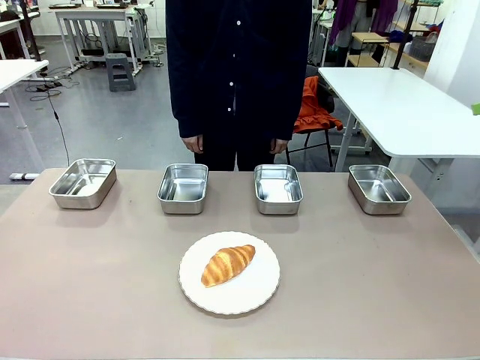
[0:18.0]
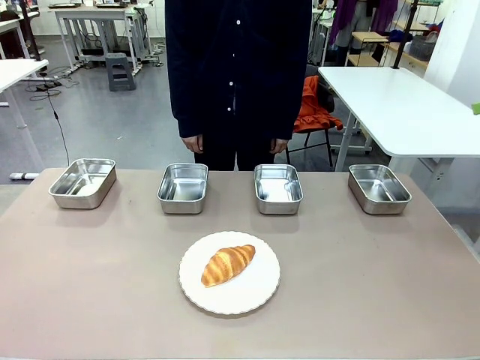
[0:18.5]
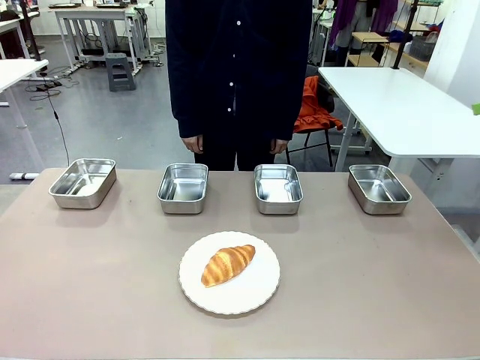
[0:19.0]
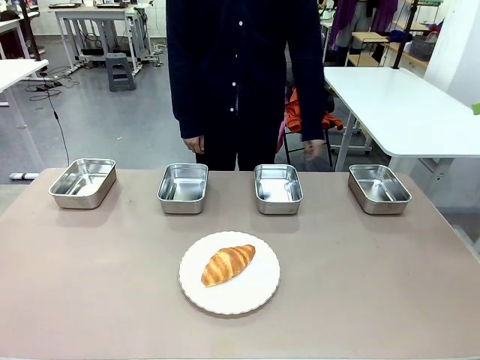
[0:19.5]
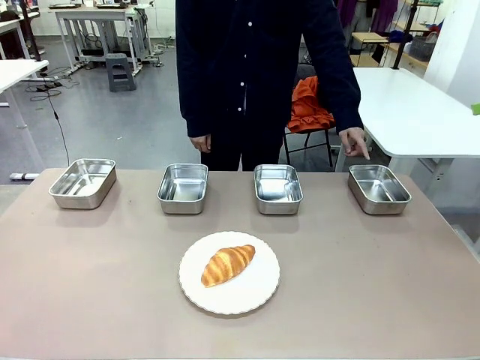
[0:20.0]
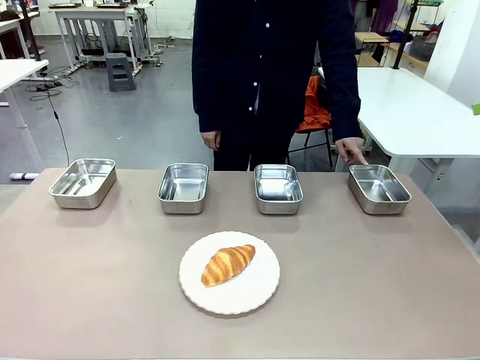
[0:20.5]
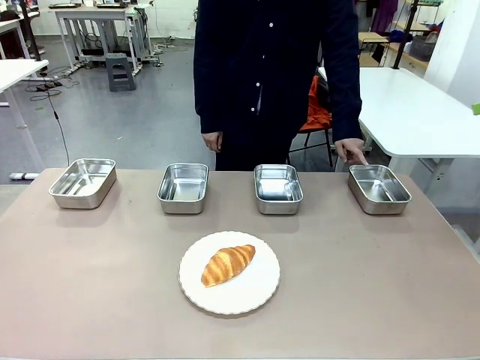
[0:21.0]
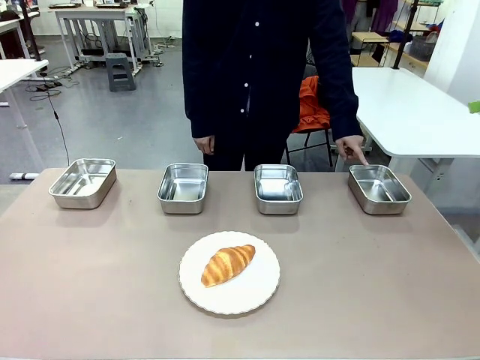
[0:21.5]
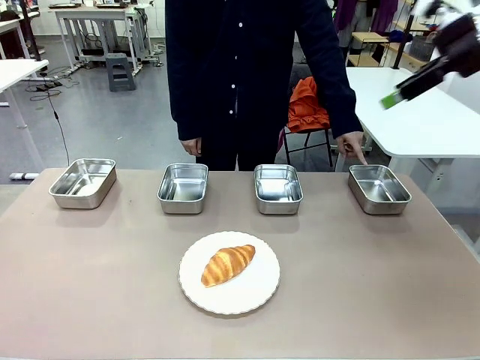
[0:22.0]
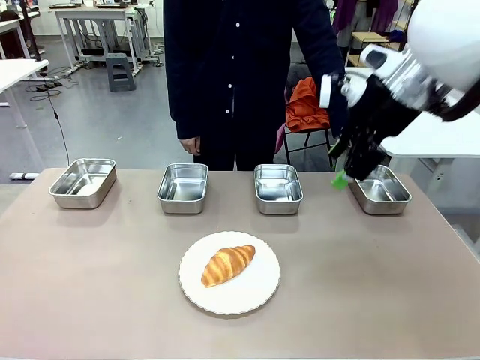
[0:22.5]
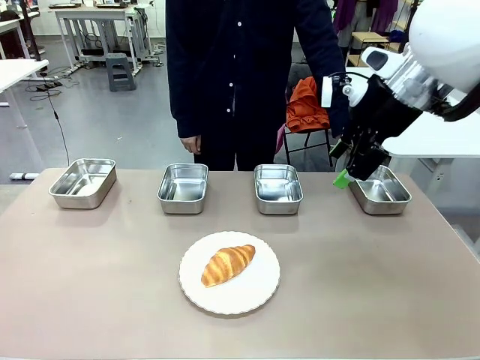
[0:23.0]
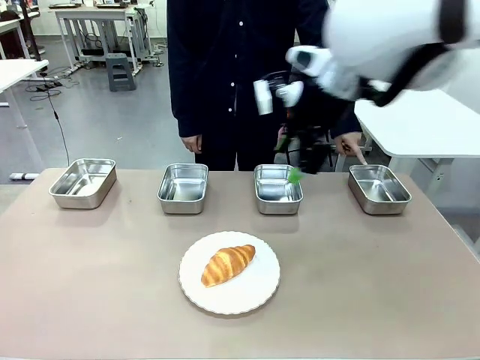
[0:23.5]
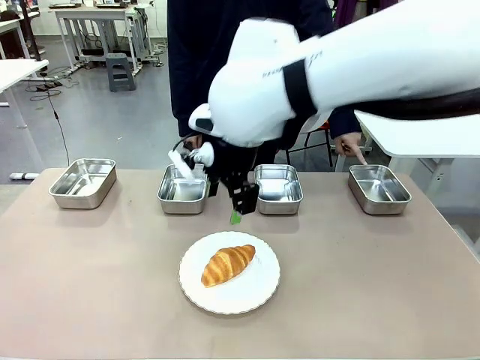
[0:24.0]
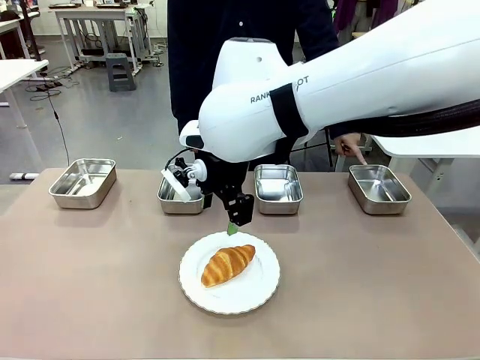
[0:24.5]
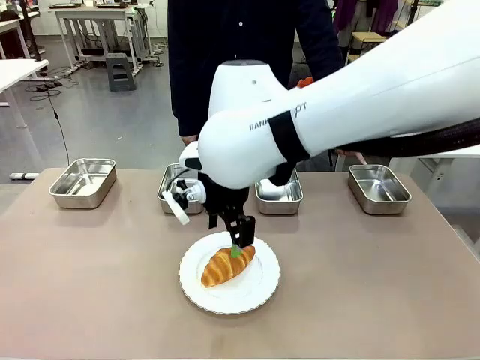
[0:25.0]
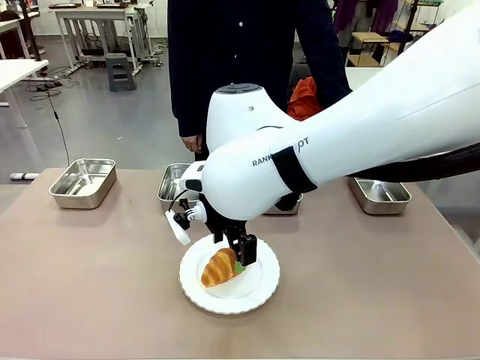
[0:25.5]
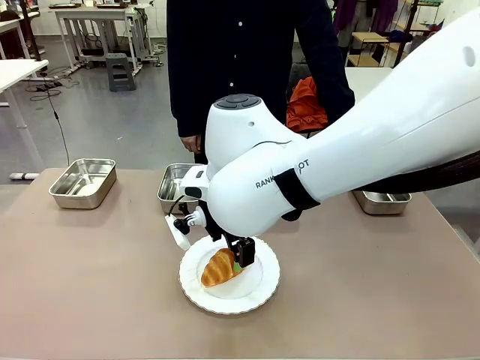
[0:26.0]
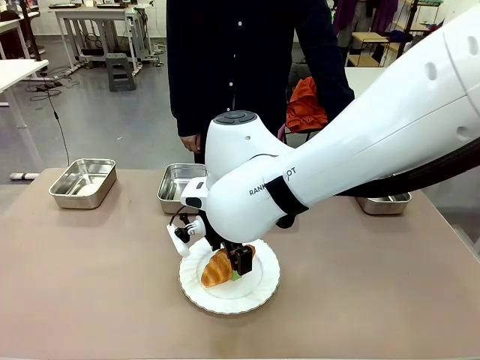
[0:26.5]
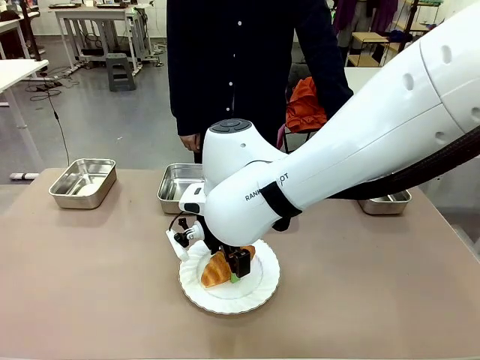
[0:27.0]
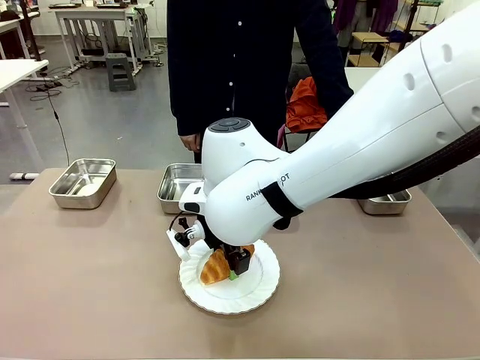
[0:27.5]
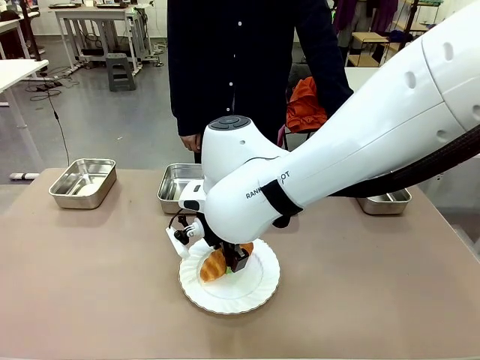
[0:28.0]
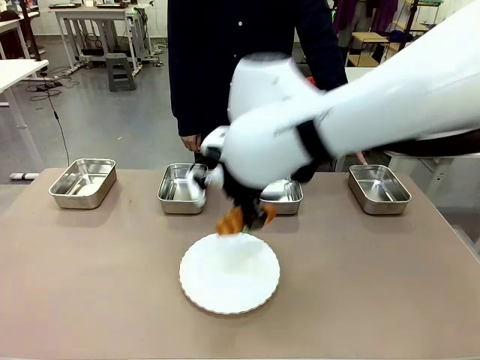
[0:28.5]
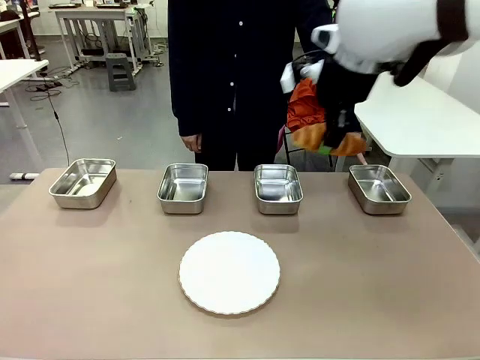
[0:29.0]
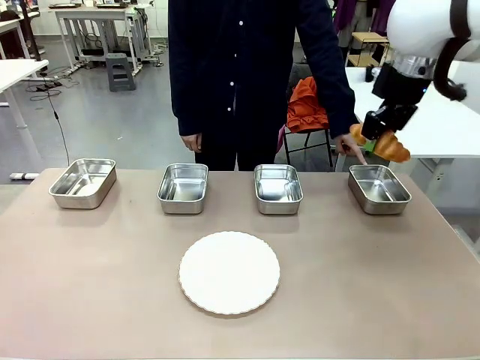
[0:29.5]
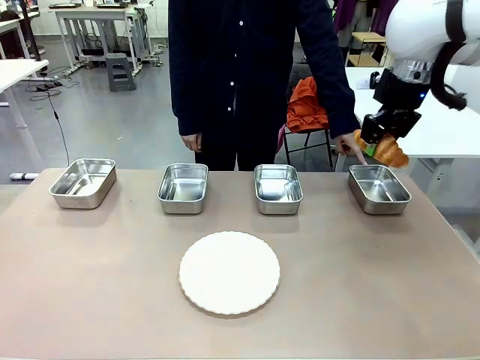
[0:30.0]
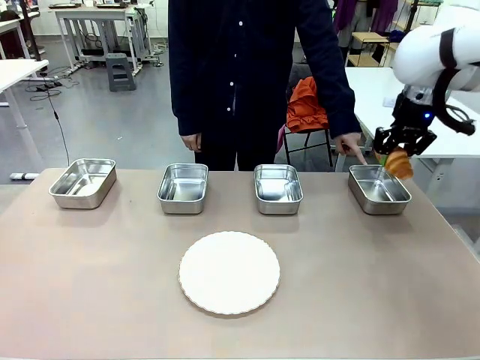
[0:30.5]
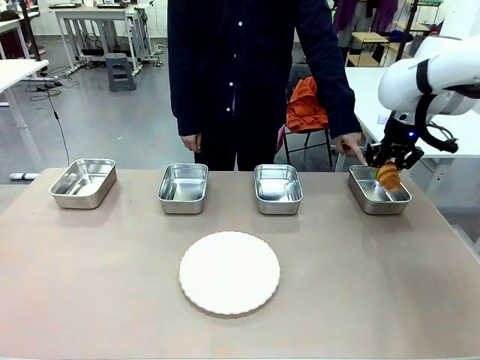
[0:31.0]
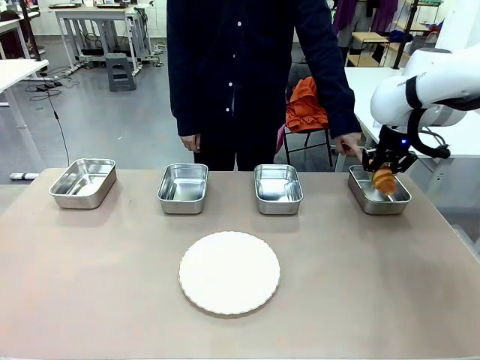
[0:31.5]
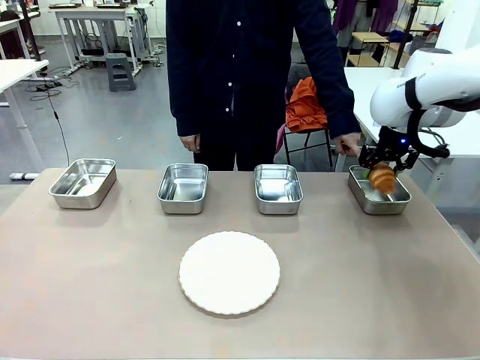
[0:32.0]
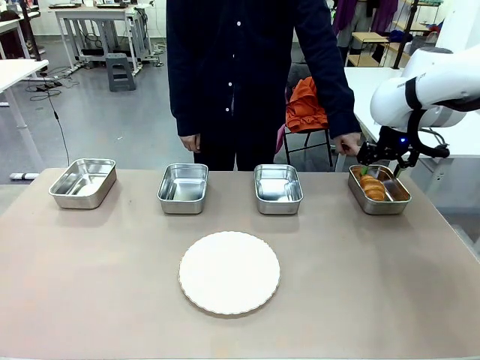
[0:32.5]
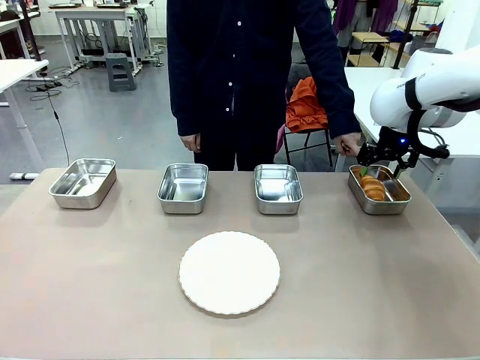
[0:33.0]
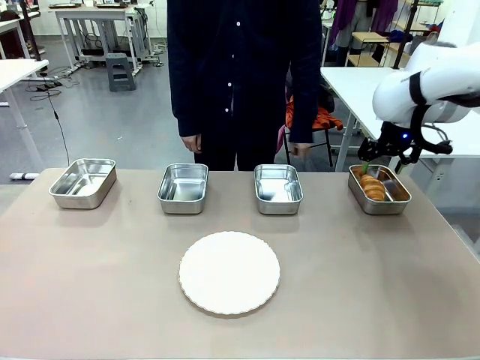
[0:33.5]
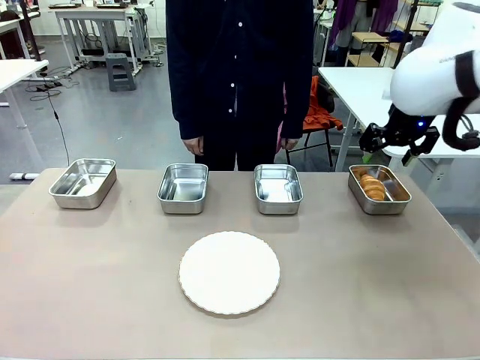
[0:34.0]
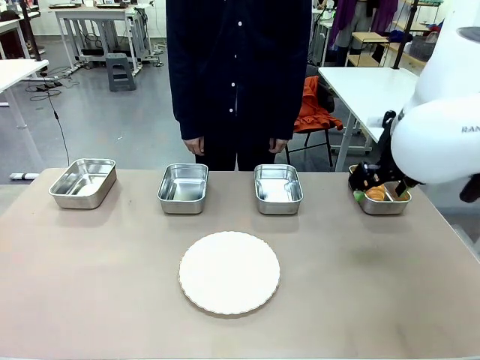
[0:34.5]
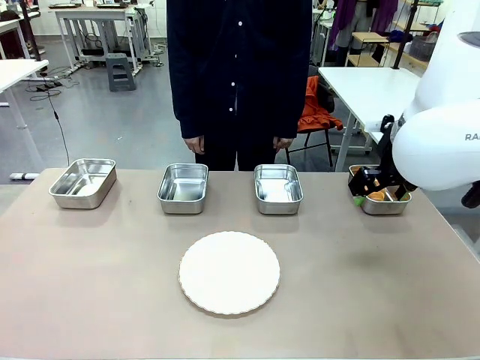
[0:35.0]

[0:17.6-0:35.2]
Task: Place the bread in the container.
Robot: Place the Butter Roll into the Airtight Container indicated by the human.

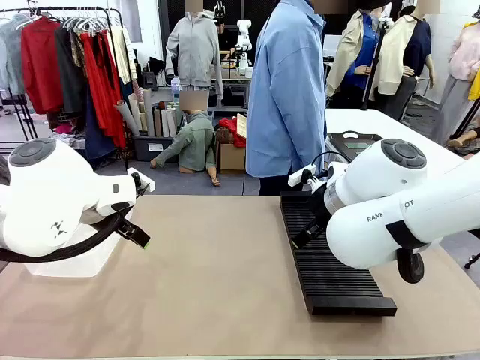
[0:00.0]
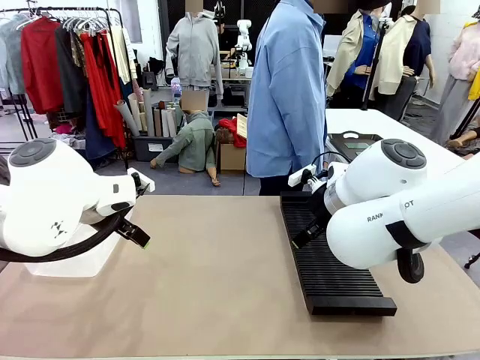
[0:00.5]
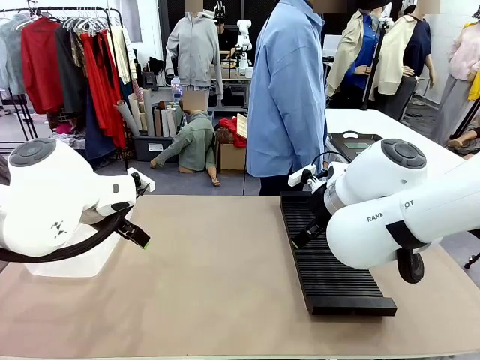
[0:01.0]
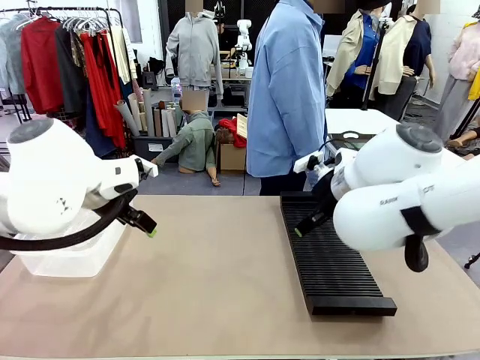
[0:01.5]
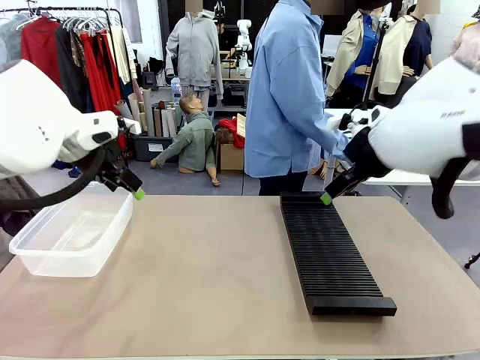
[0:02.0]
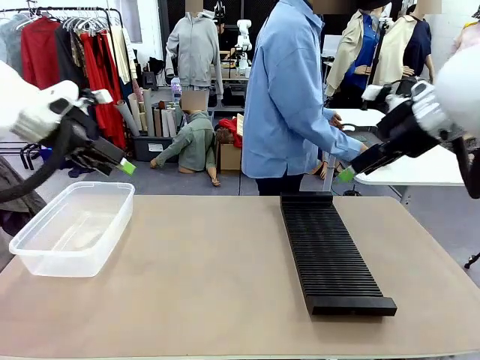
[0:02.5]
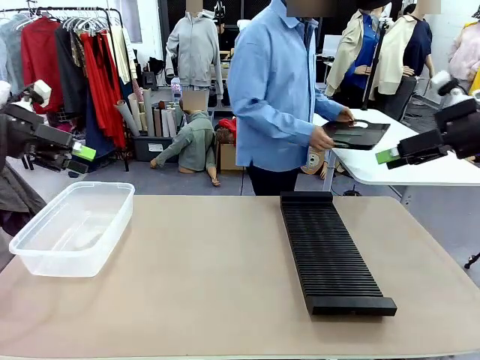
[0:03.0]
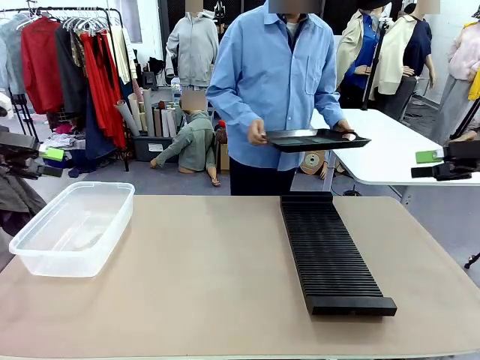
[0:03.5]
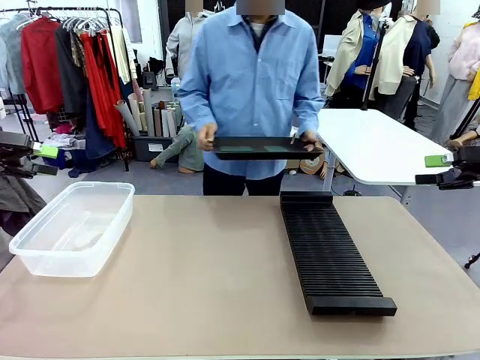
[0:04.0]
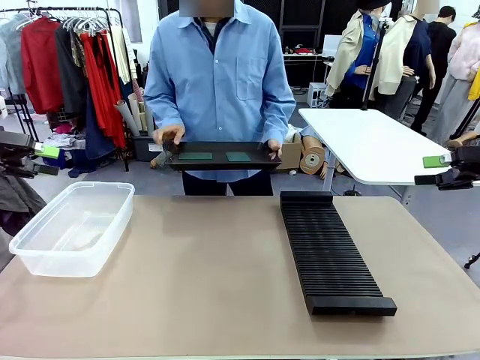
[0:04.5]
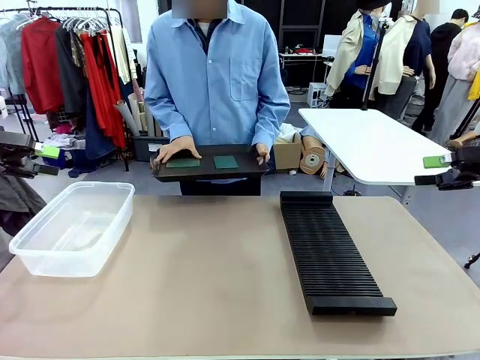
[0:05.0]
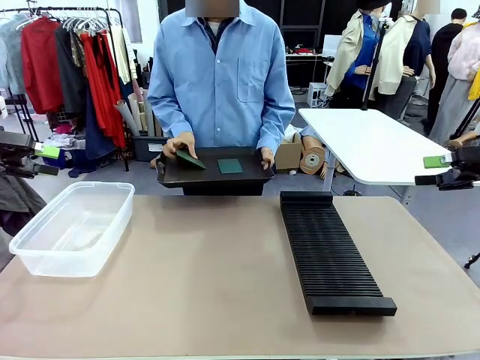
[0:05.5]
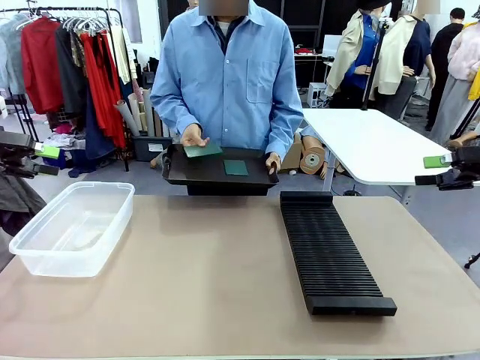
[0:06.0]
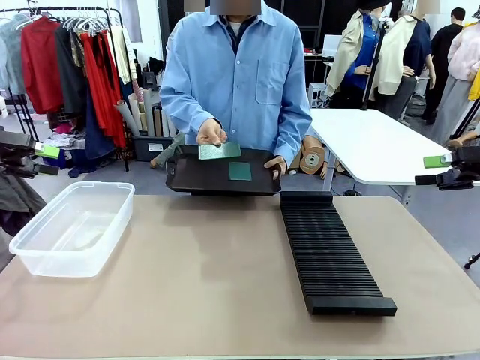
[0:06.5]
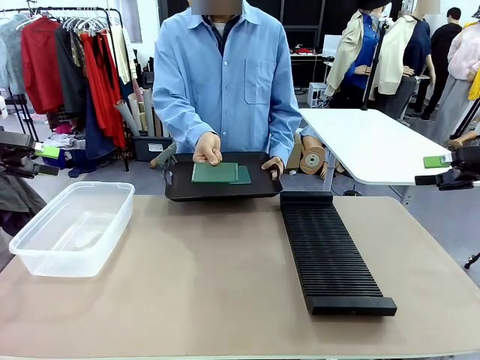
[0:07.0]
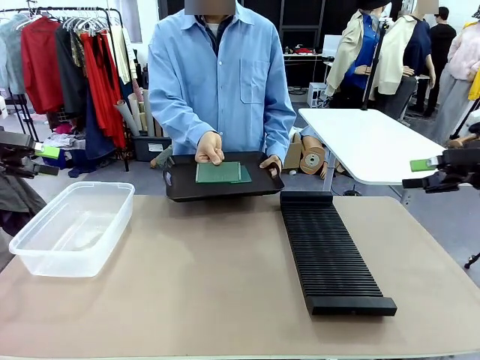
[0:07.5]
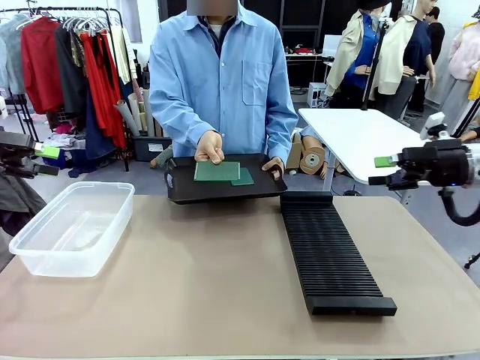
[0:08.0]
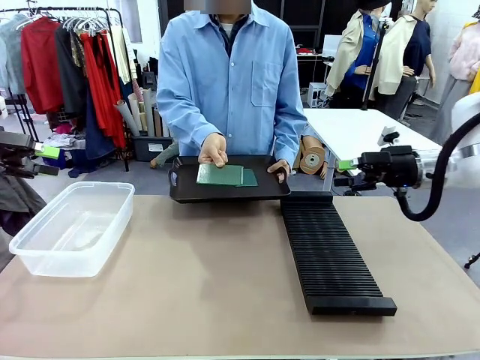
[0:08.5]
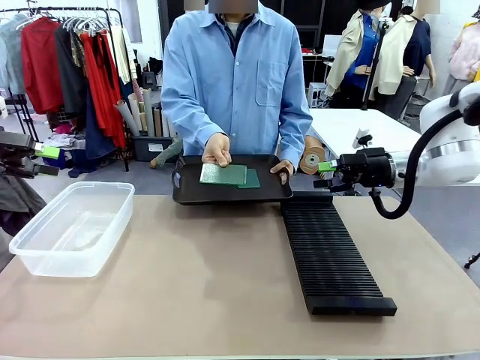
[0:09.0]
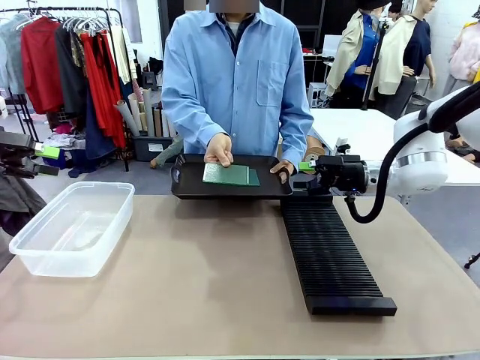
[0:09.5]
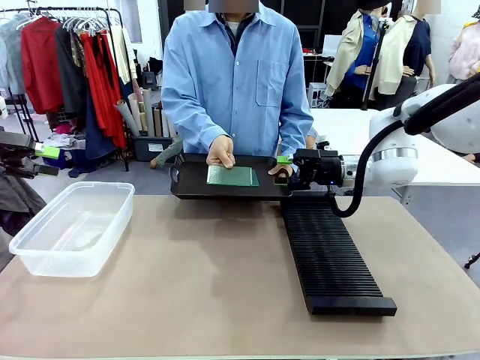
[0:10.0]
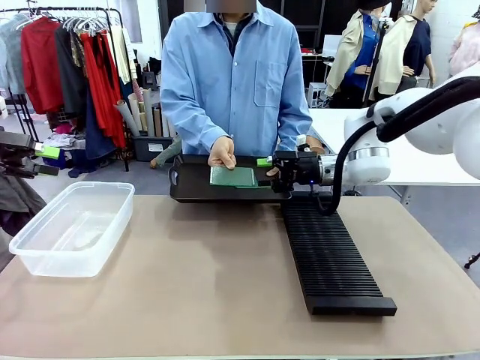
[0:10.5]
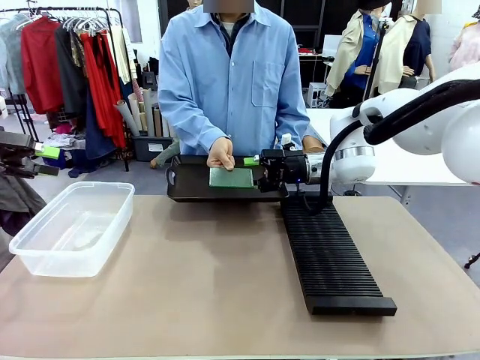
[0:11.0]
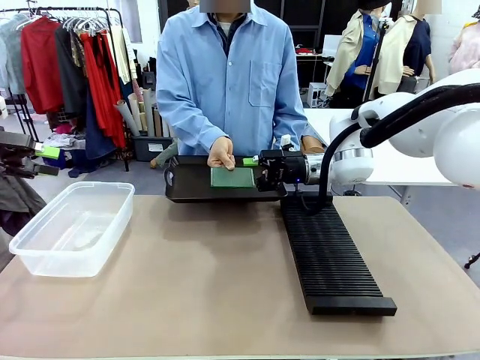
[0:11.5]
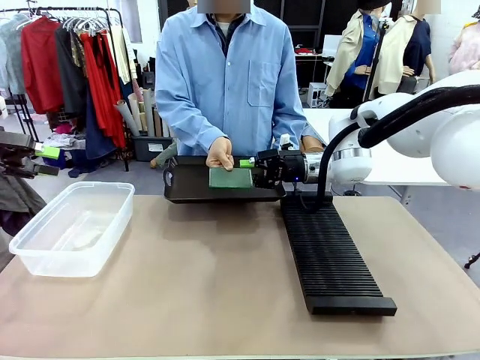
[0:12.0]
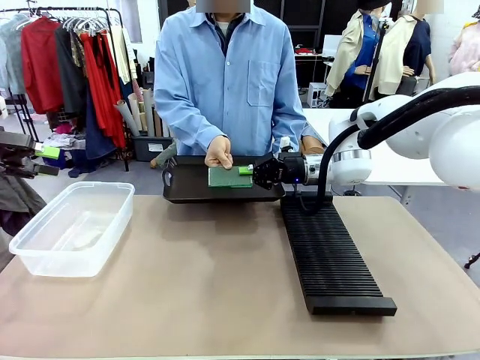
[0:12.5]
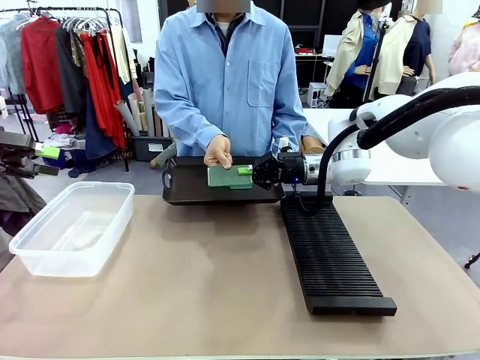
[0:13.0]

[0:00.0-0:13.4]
Task: Sort PCBs into racks and boxes based on the side picked up.
Robot: Pick up the Blank PCB handed by the Human.
Person: Pick one PCB from the tray and present it to the robot. Release the PCB being held.
